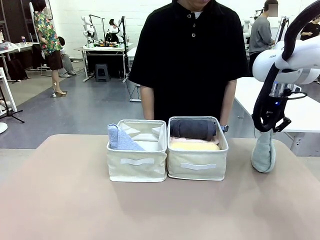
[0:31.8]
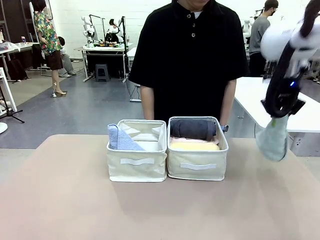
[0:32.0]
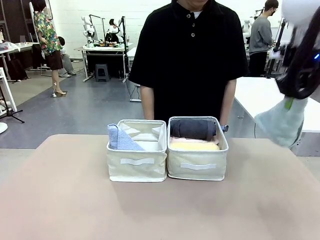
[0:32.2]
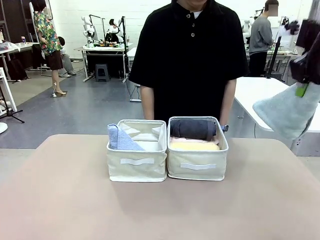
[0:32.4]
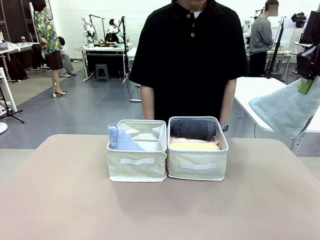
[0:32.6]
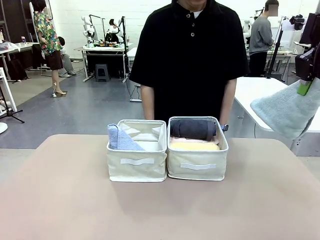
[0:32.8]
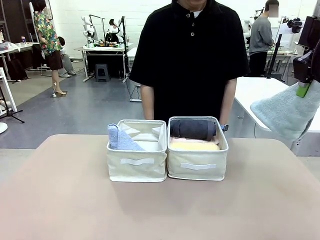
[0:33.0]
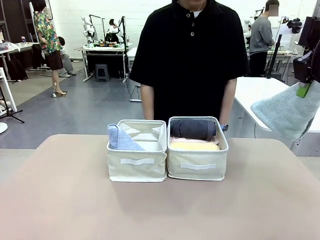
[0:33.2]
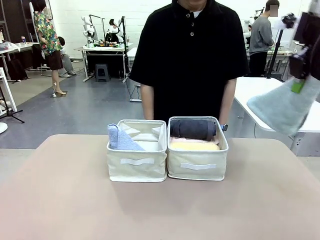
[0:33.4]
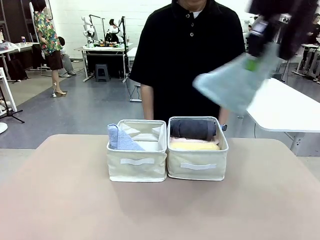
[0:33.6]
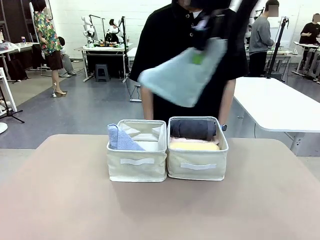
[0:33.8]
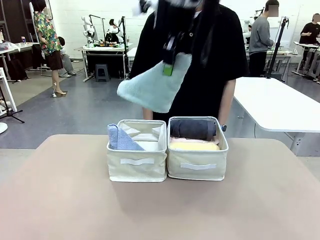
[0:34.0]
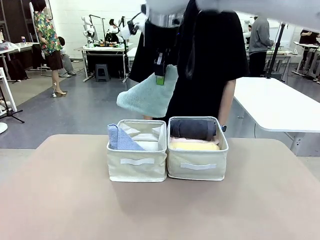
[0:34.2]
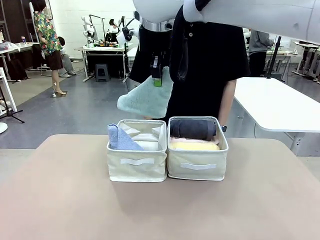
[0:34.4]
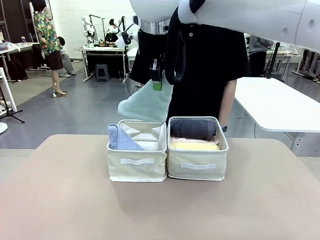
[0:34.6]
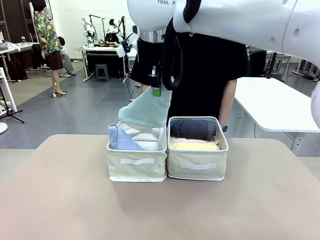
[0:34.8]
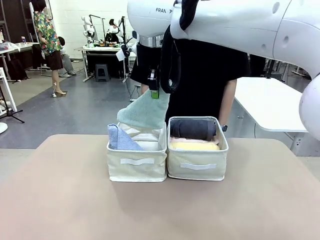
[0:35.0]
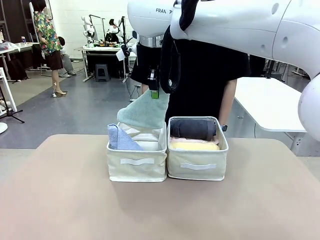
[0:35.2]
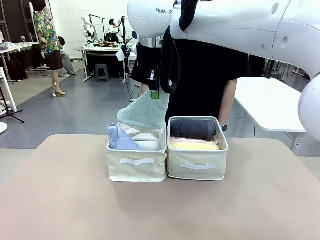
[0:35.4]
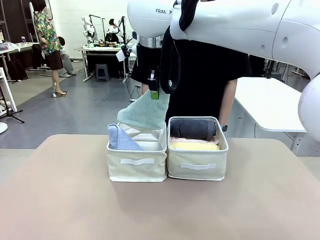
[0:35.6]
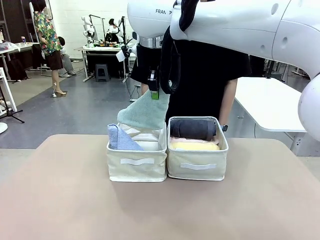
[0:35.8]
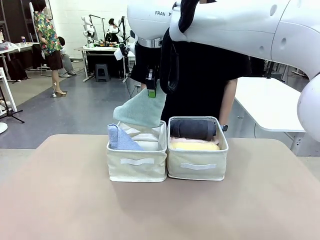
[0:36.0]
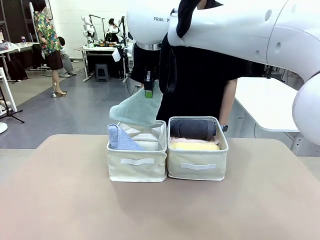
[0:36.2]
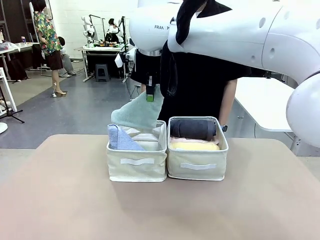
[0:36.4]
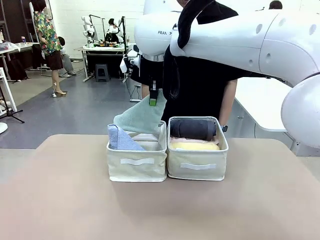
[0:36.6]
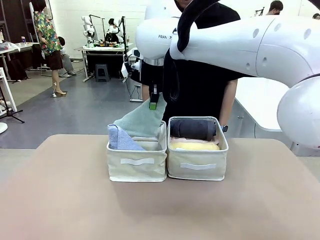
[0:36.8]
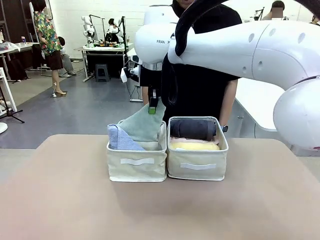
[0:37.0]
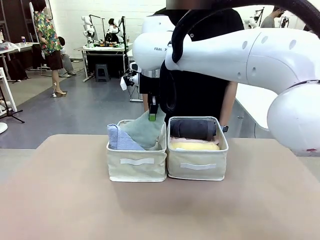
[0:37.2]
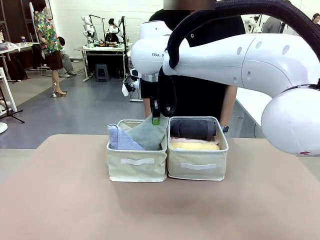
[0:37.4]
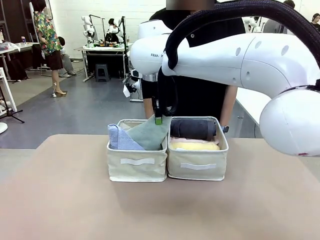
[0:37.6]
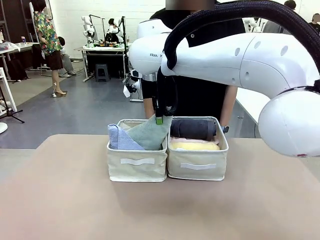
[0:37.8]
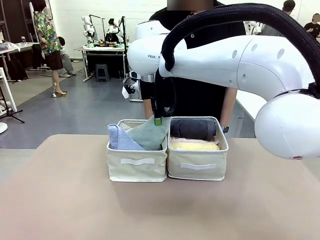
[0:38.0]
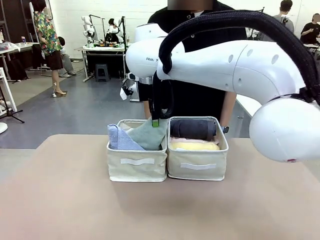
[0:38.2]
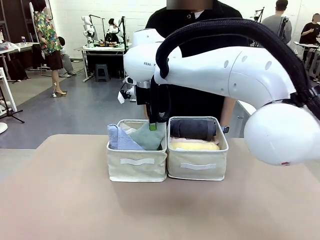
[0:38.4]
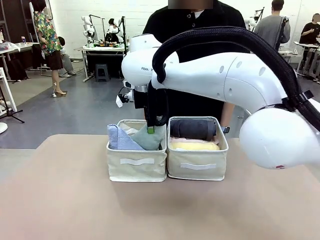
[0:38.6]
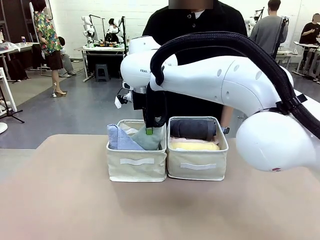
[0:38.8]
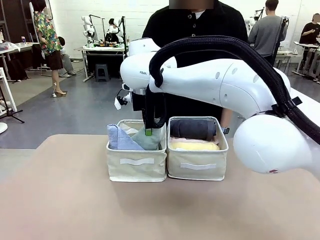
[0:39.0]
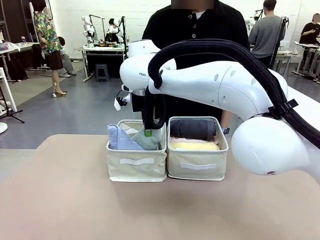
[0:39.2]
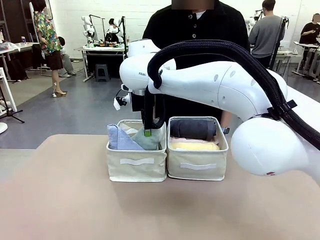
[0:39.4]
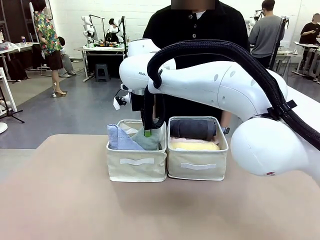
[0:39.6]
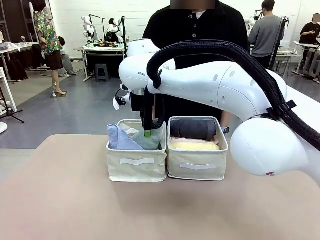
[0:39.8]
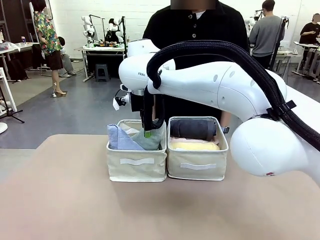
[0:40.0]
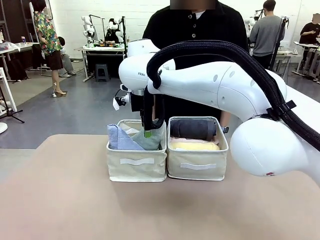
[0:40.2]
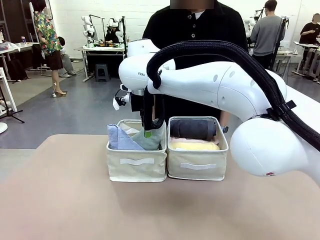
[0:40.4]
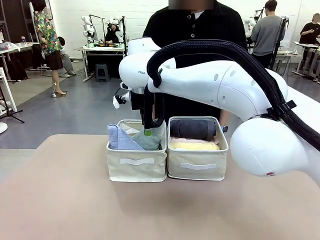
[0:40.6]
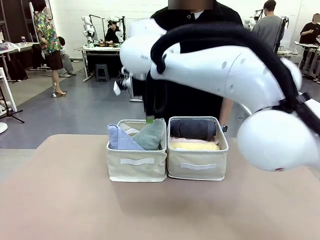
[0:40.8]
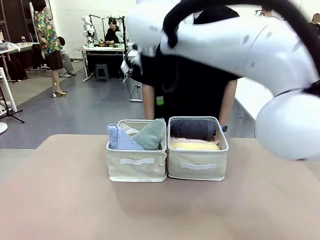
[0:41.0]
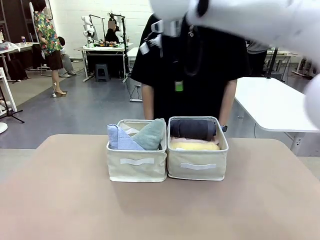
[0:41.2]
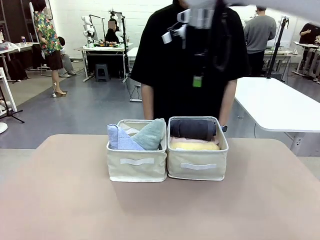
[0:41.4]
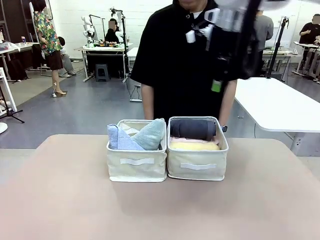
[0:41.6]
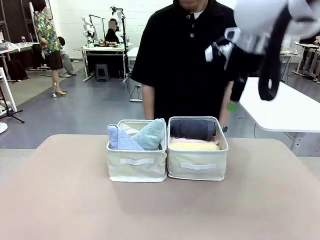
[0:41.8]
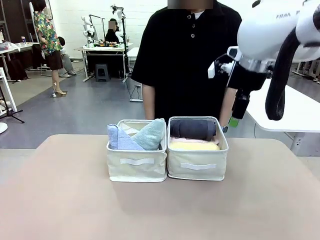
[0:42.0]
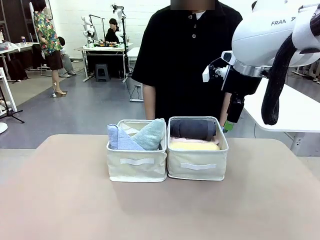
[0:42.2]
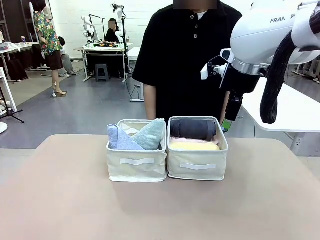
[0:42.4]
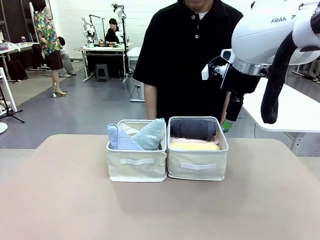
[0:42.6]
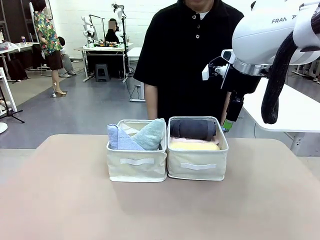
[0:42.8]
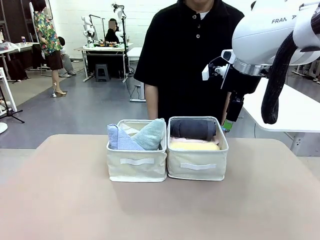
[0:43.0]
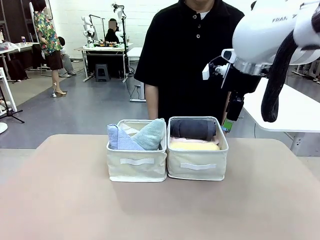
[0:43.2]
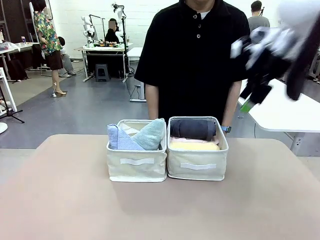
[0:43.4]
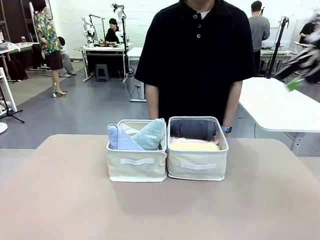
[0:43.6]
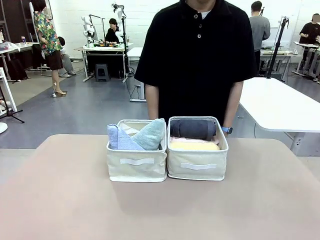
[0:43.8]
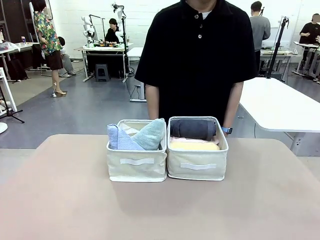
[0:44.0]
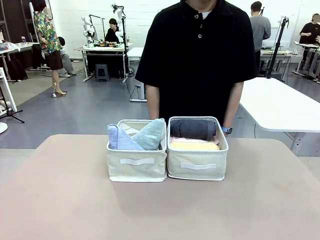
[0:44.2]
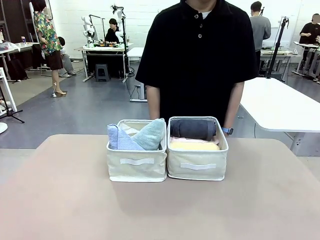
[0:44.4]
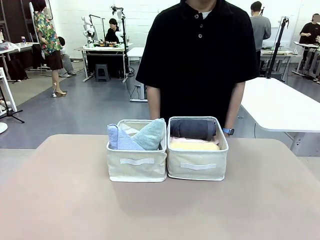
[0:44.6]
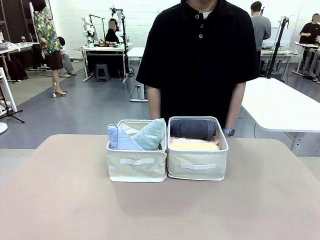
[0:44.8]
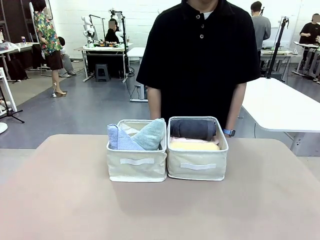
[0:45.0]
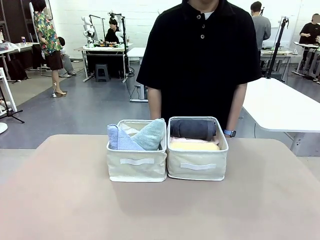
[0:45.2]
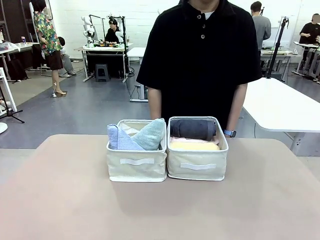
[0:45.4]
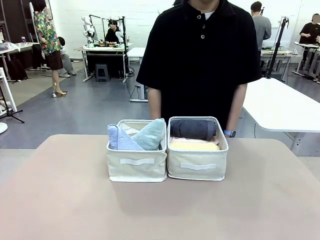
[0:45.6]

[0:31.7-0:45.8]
Task: Sort the towels based on their folding style.
Robot: Pick up another triangle-folded towel from the table and place it in the left Fabric basket.
